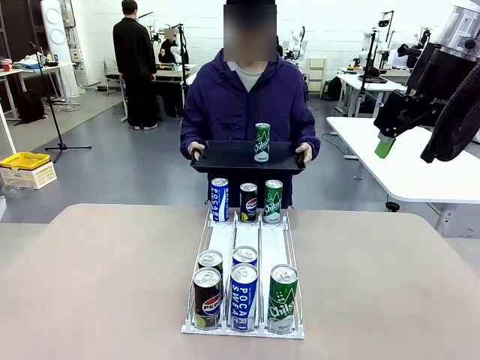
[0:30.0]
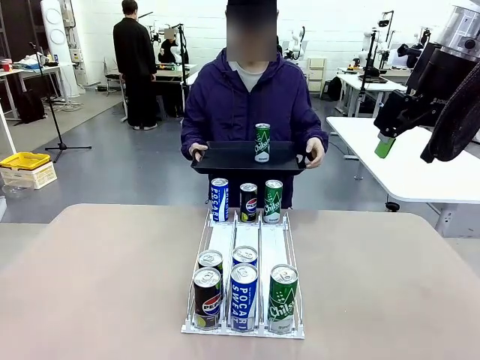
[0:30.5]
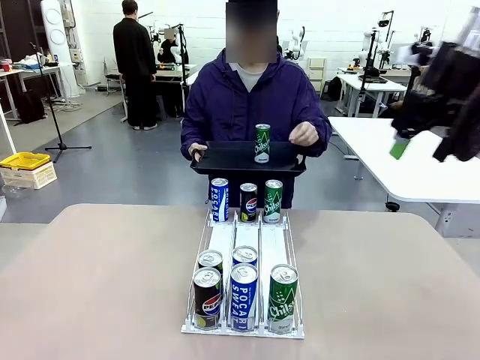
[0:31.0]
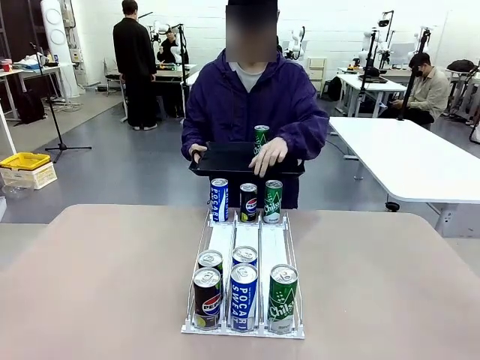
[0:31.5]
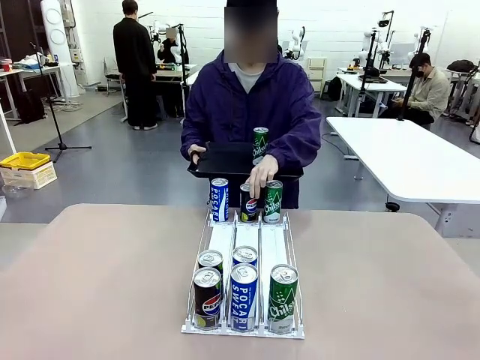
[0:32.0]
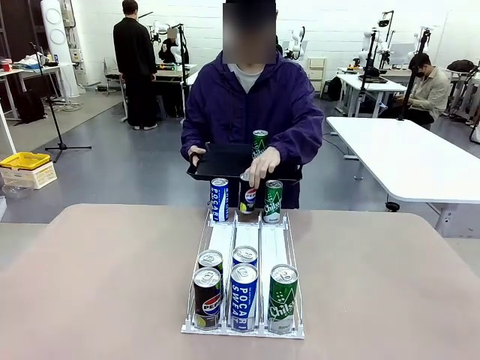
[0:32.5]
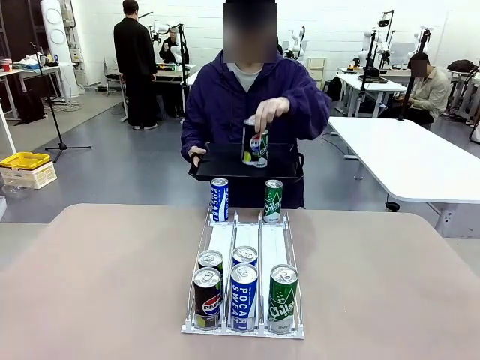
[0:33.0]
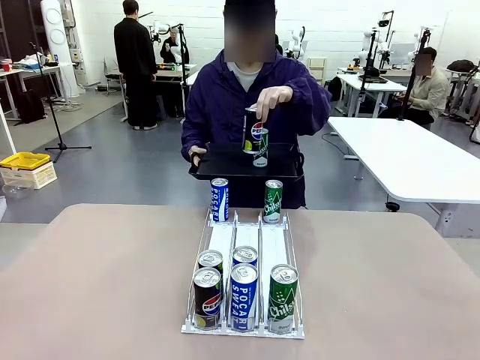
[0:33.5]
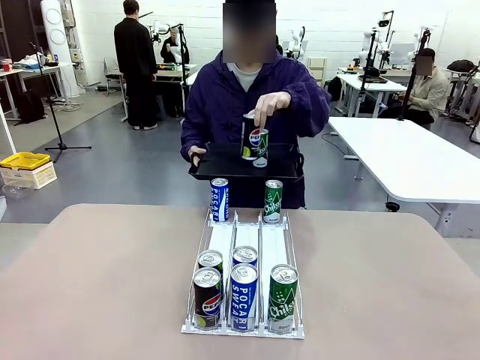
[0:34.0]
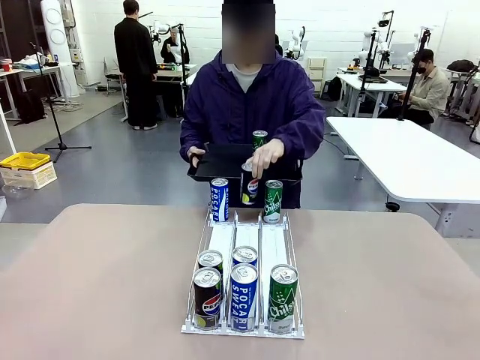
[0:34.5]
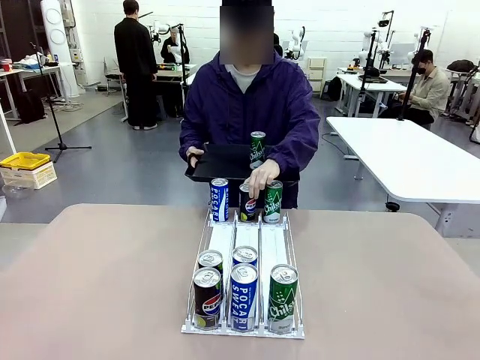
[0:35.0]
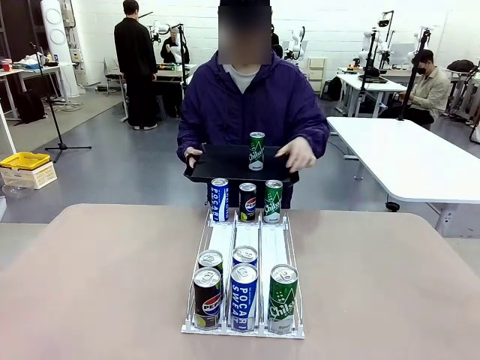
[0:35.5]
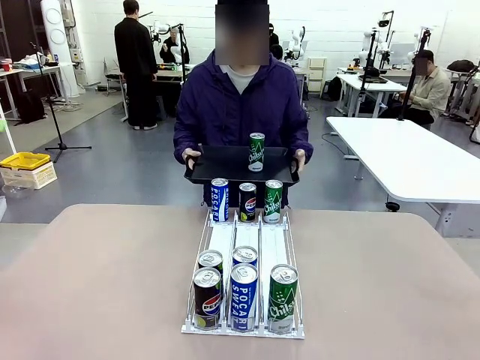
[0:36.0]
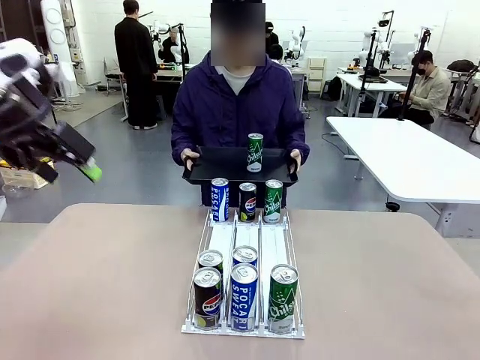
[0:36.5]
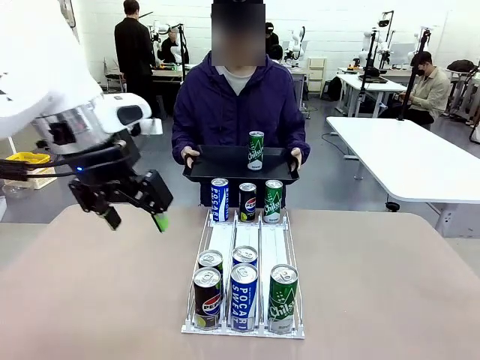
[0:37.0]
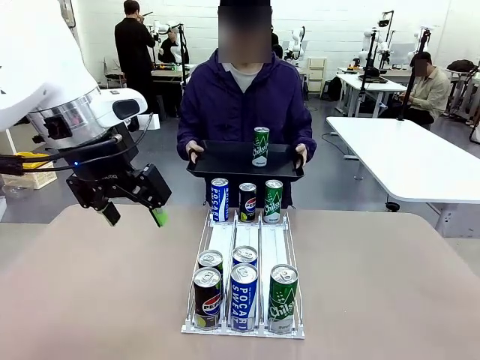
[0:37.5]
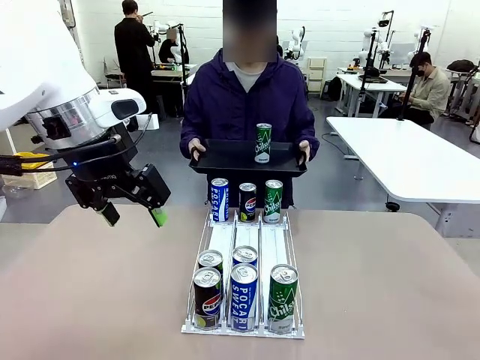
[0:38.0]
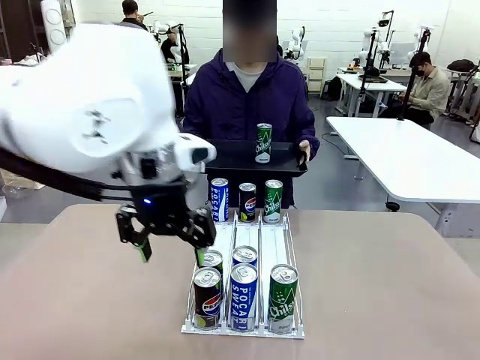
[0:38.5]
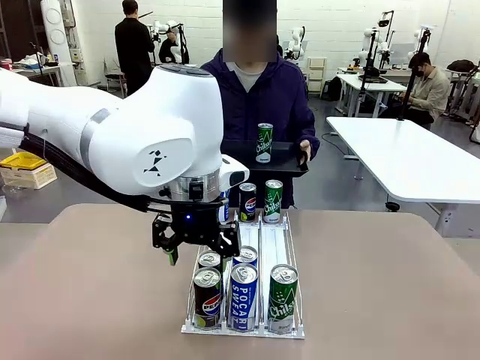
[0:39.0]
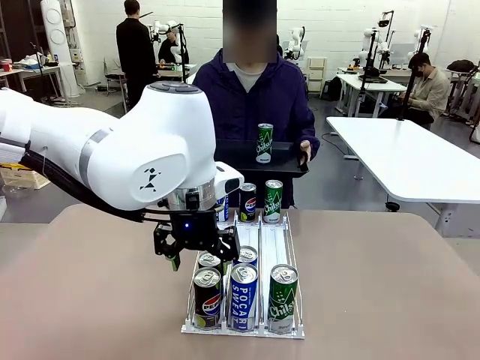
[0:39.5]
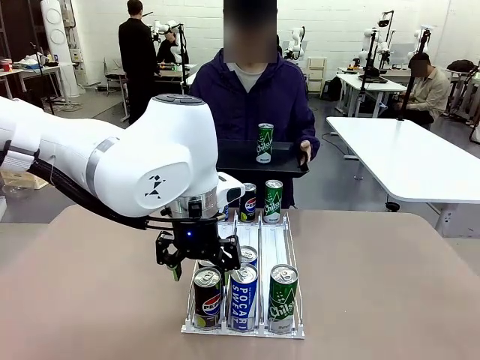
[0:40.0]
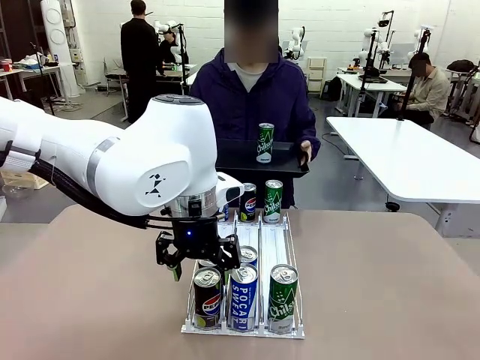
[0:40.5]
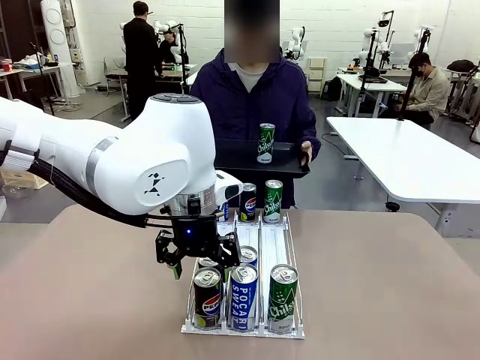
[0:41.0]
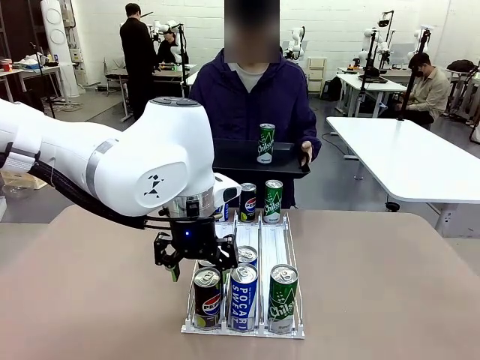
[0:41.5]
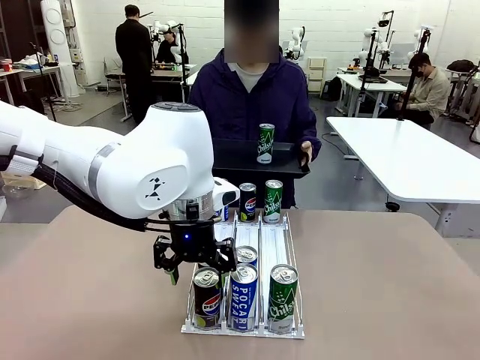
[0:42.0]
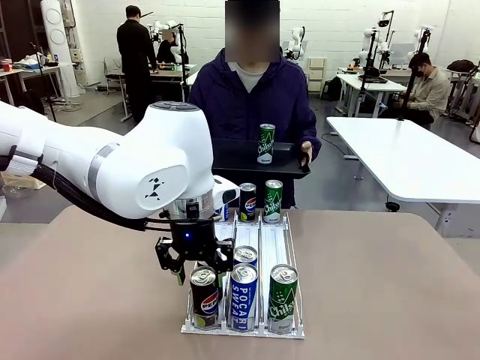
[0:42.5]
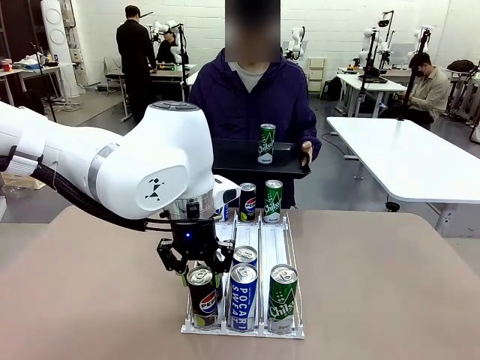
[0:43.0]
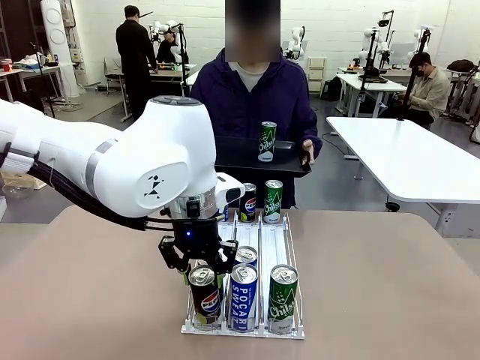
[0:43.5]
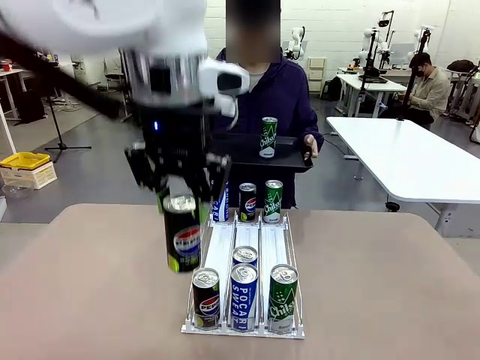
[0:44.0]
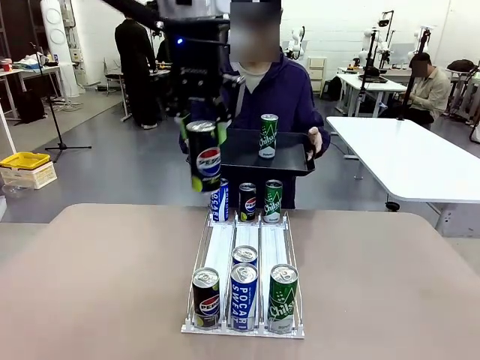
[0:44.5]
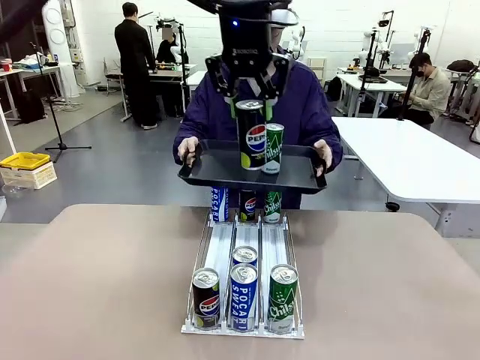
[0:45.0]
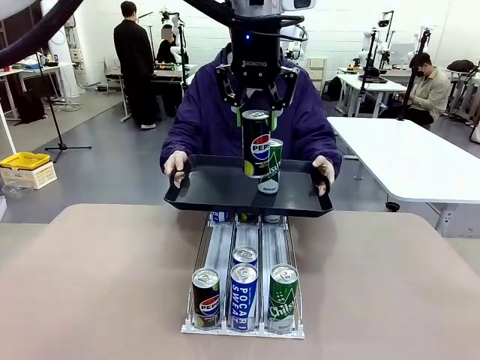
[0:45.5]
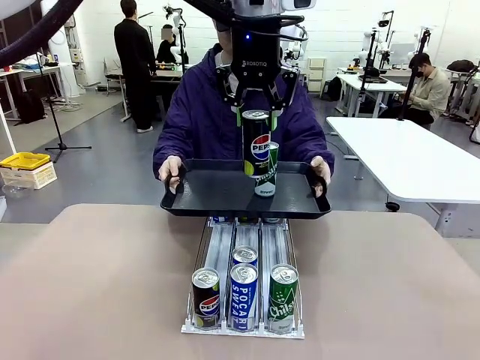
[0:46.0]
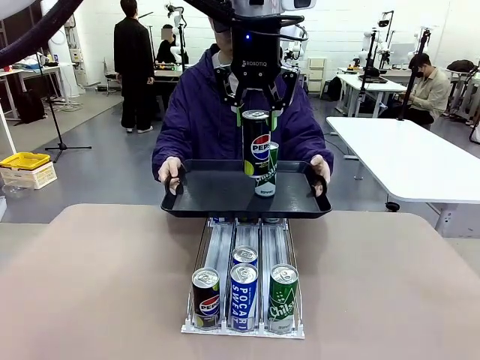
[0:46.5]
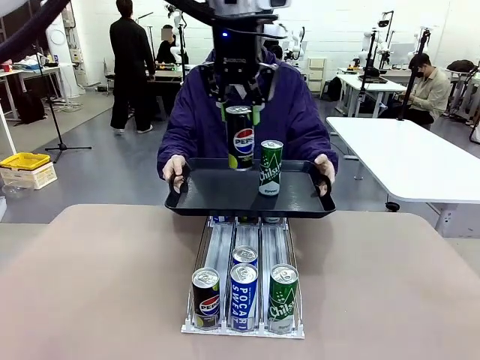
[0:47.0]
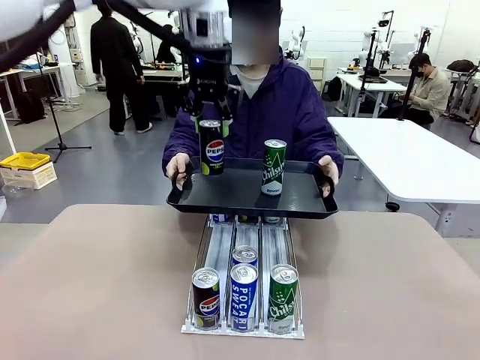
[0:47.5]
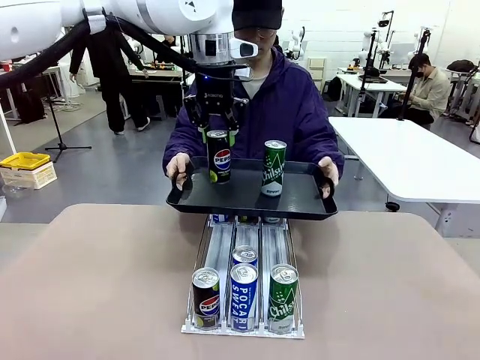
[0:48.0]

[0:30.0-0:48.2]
Task: Retrieve and hand over the desired beverage to the person.
Robot: Pick up another can of the same type that the person held from the Automatic Can Dispenser.
Person: Push the tray toward the robot again.

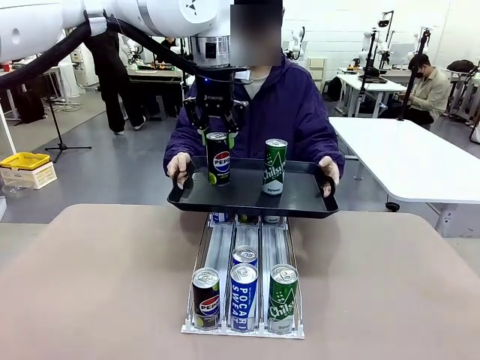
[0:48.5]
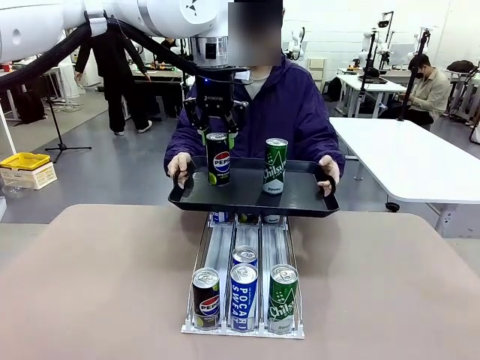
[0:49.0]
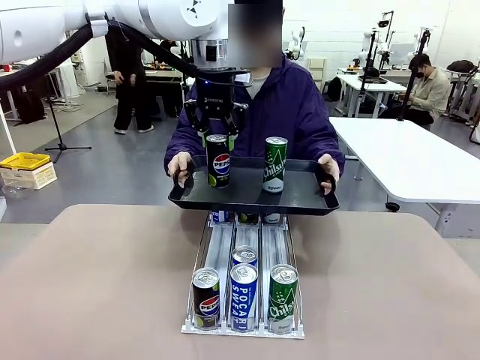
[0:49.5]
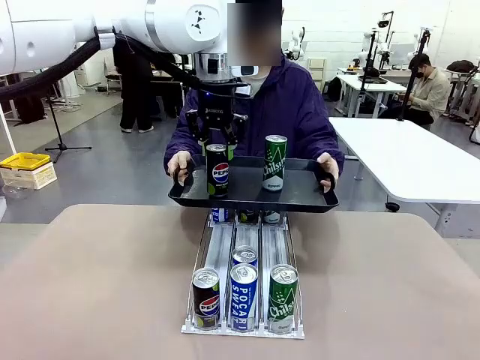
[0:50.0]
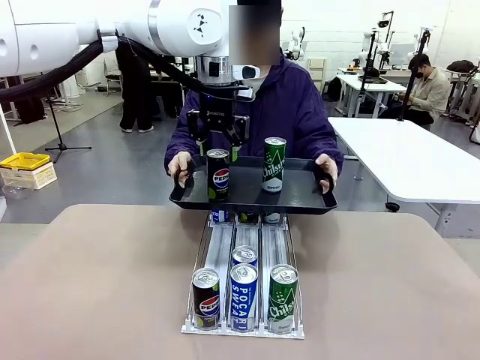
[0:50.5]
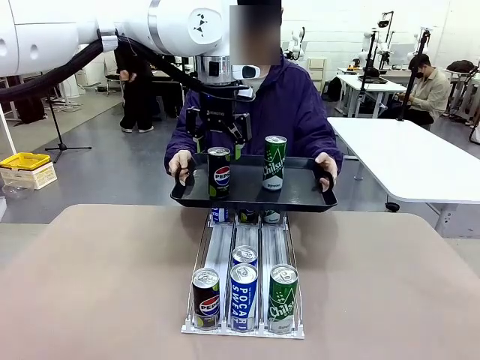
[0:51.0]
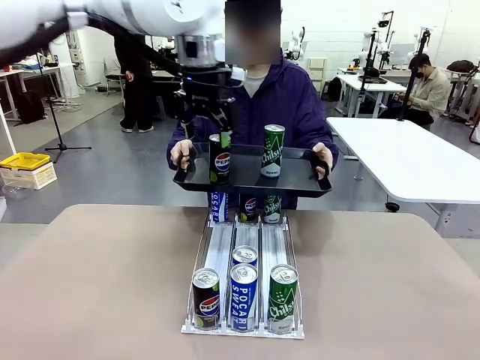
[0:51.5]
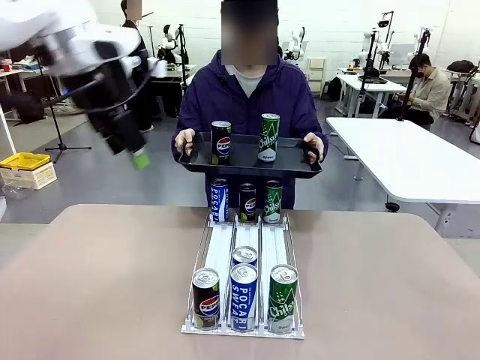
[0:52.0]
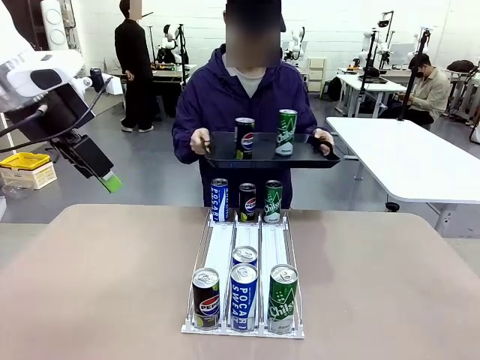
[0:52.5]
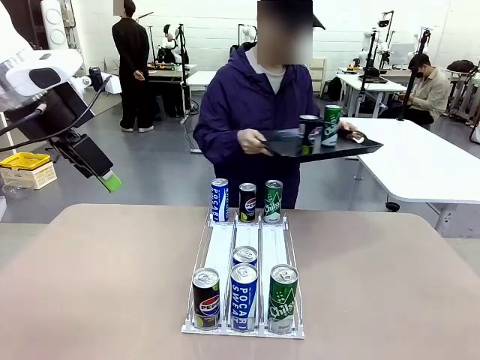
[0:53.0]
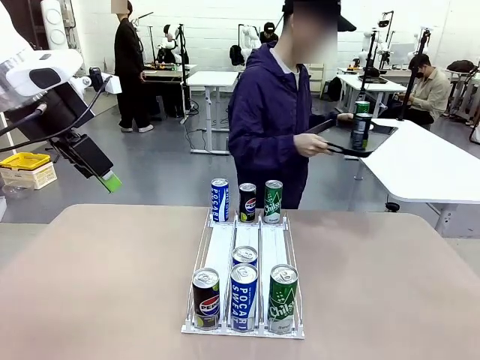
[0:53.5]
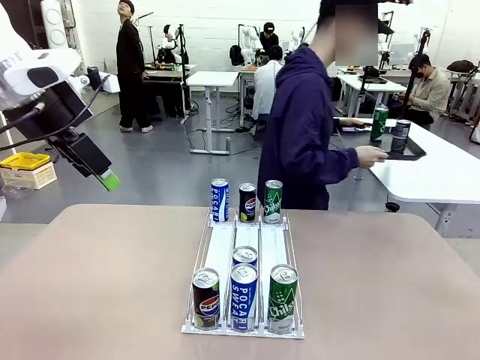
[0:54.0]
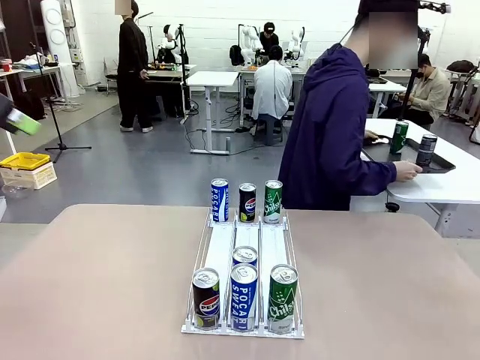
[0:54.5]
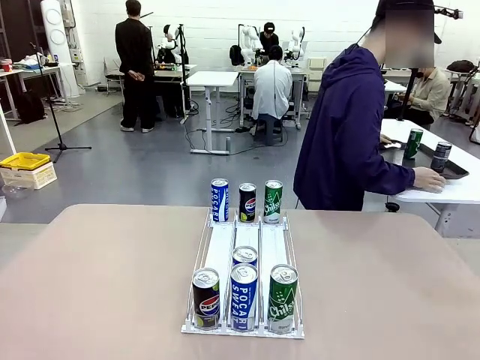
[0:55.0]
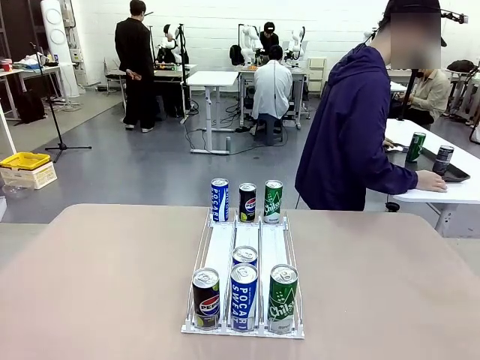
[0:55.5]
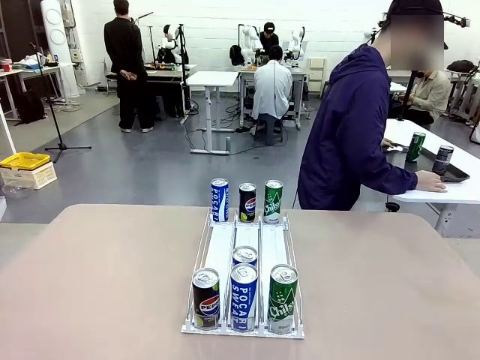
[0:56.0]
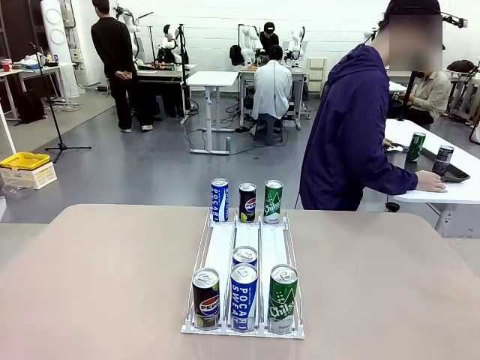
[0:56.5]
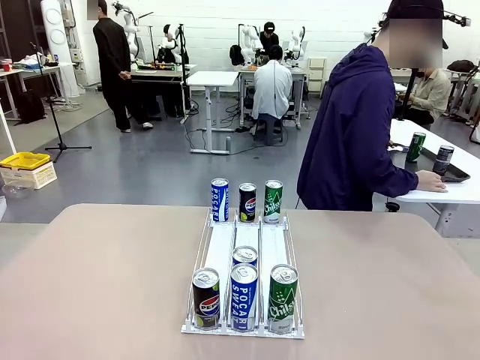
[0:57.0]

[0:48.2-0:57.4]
Robot: Place the picked can on the Handle tray extended by the person.
Person: Pull the tray back and place it at the center of the human table.
